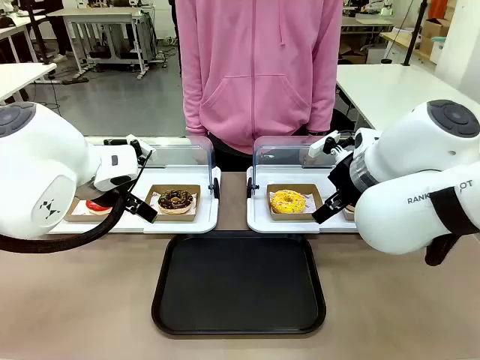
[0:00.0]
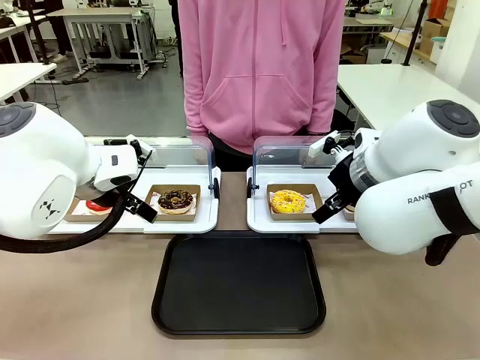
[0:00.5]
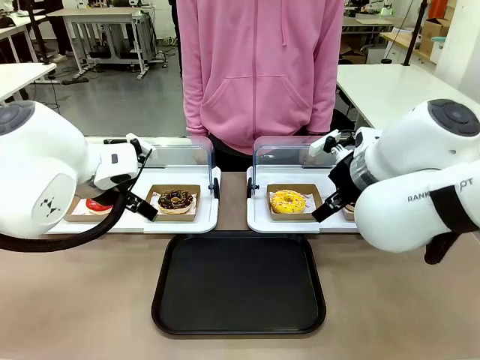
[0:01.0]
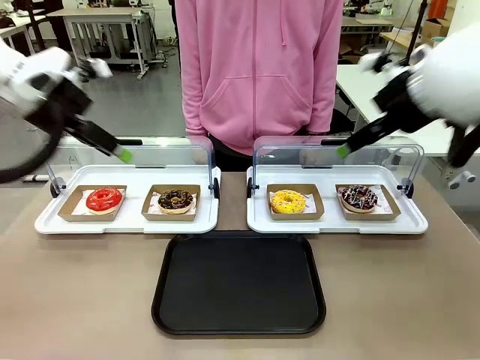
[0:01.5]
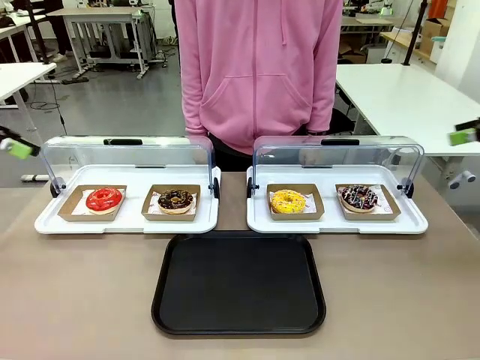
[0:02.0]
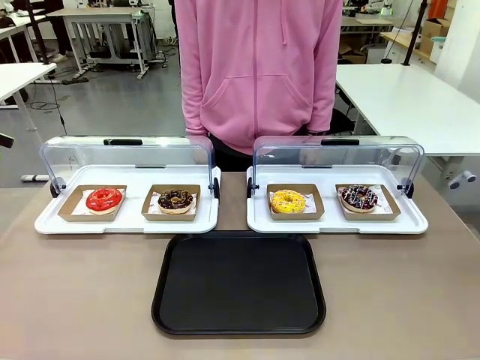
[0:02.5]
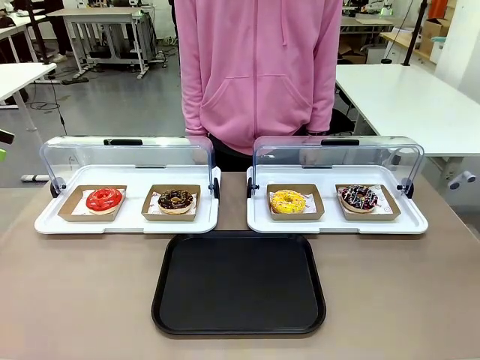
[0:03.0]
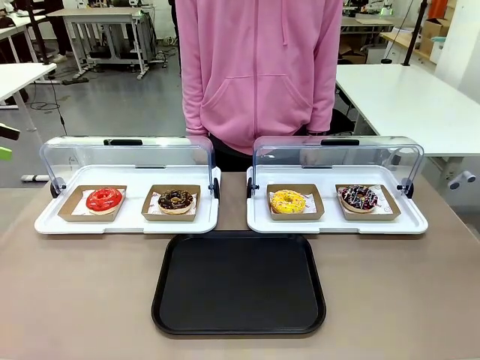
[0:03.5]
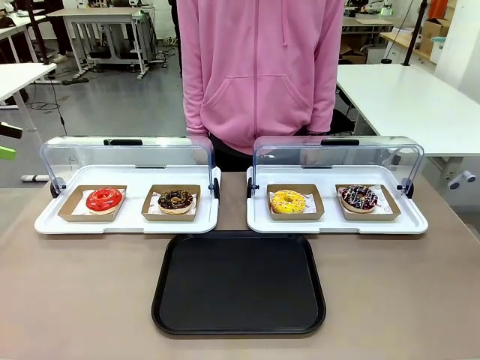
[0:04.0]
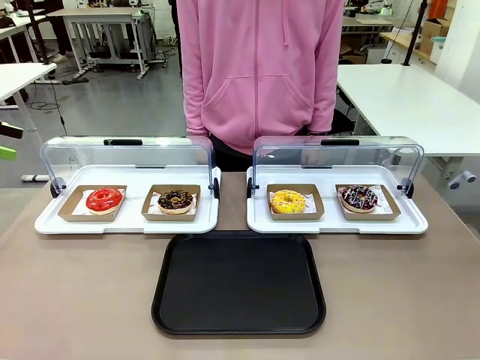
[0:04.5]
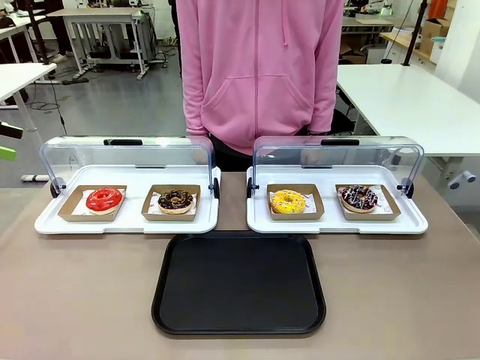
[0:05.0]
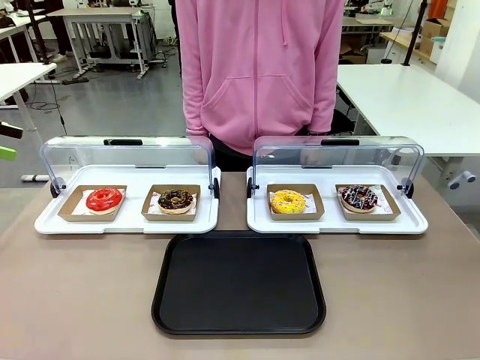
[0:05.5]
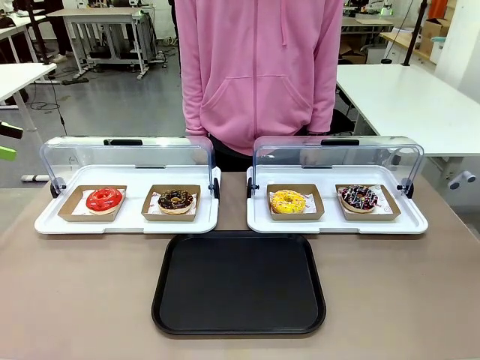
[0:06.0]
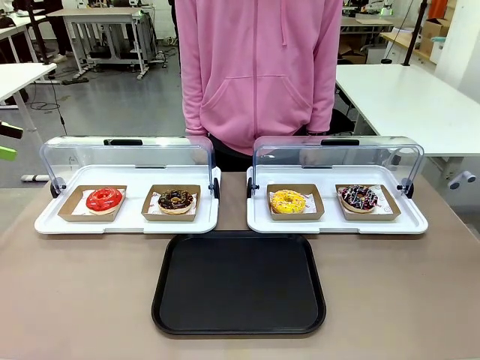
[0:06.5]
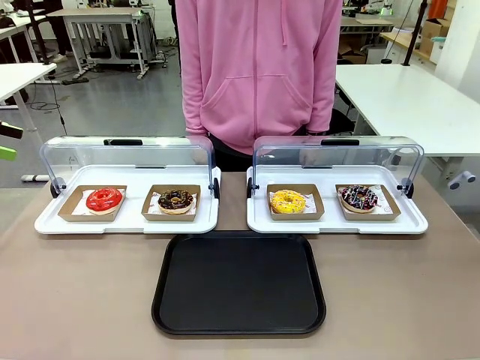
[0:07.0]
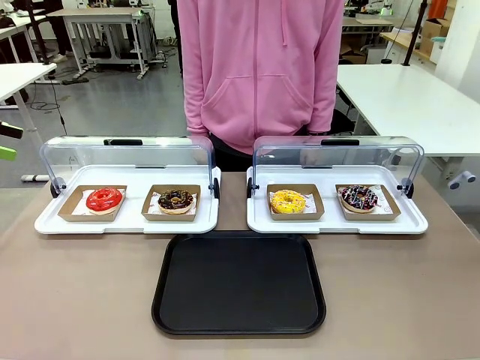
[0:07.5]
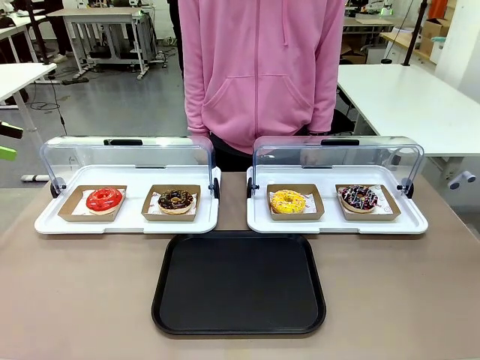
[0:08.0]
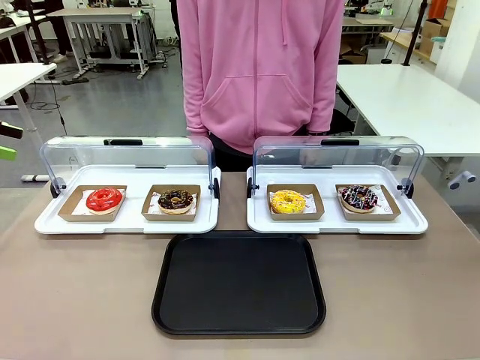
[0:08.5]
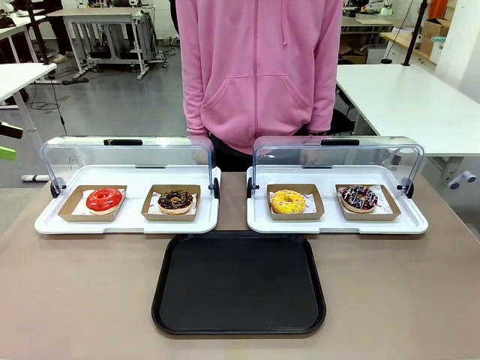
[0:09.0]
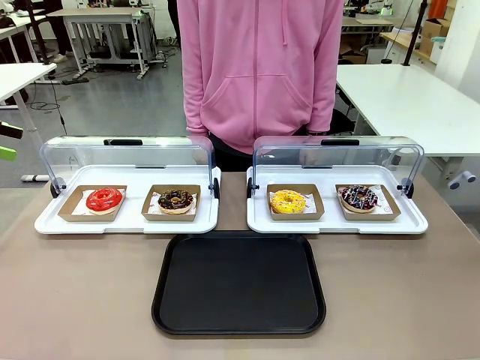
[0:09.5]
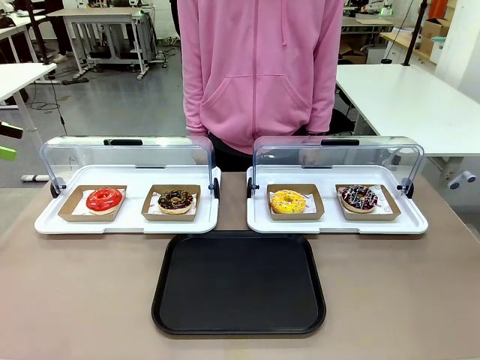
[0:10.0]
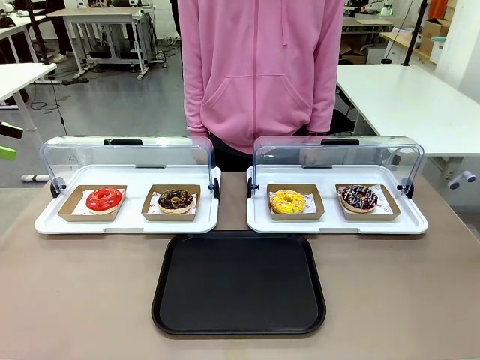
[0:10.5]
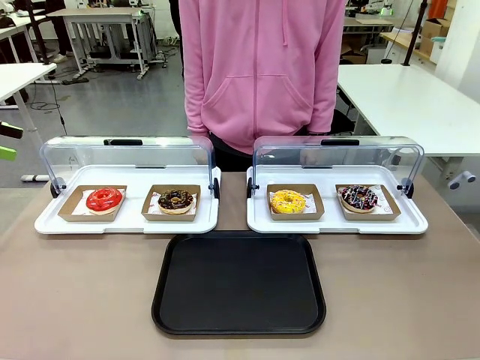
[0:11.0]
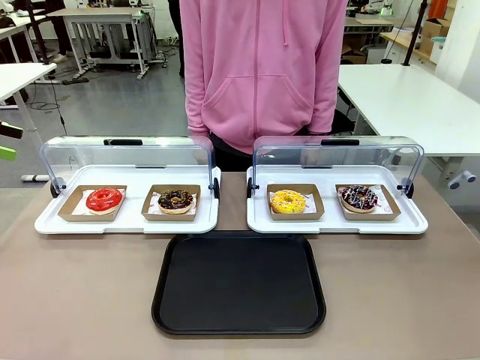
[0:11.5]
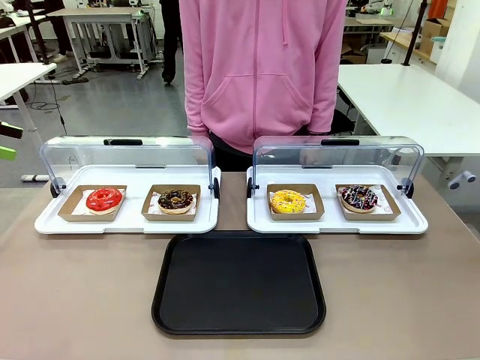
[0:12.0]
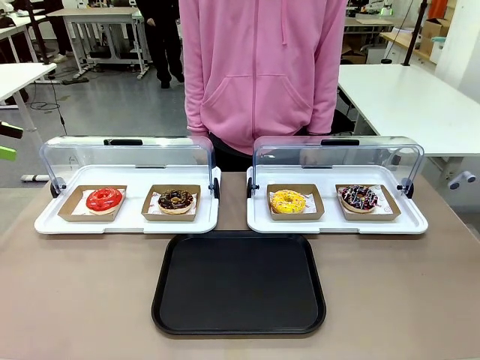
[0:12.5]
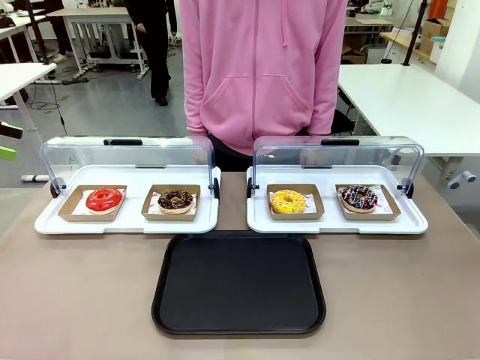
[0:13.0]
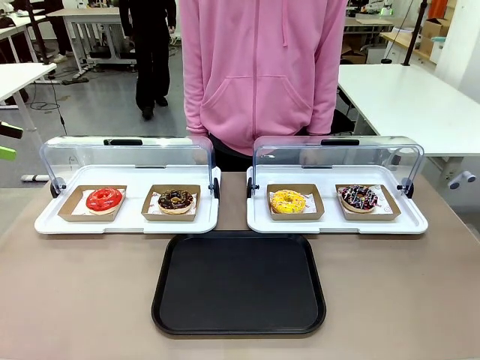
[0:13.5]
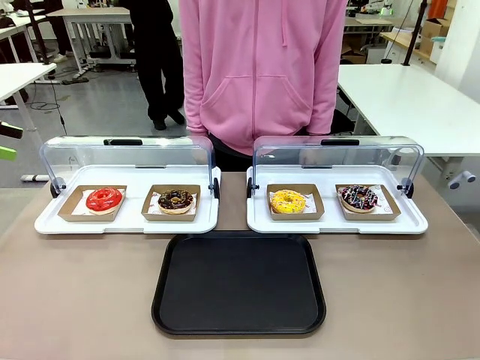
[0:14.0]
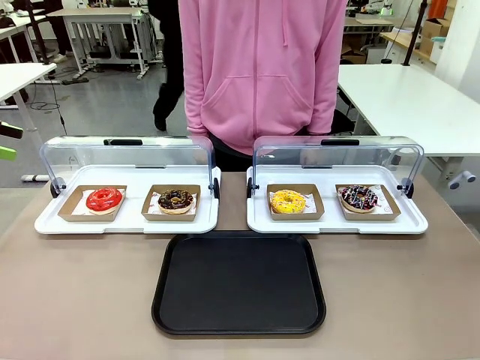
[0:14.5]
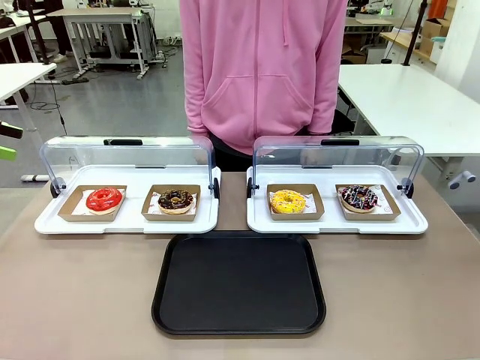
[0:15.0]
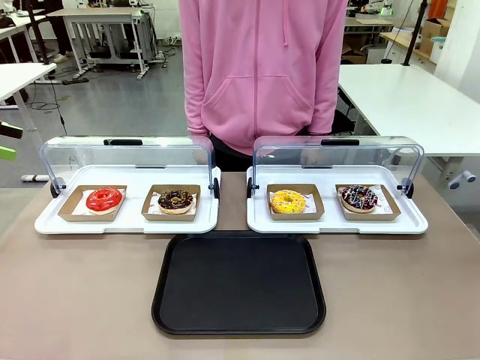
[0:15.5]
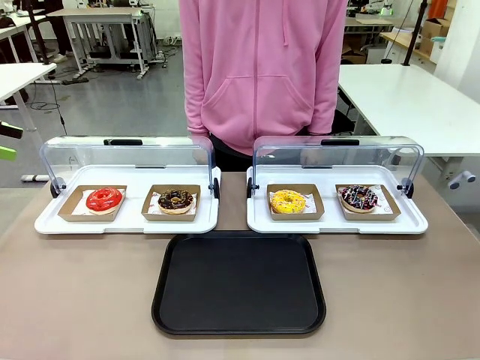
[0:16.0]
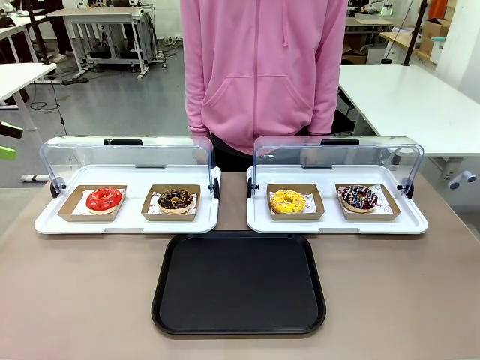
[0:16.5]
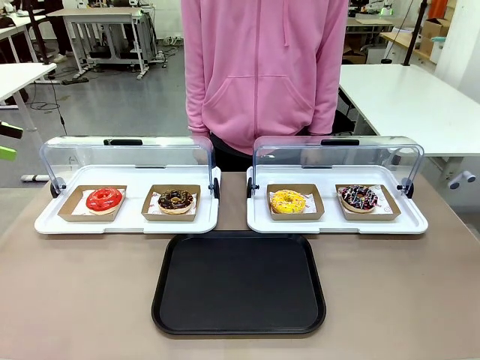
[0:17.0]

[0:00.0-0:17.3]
Task: Move the fourth donut from the left to the tray.
Robot: Pick up the Paper togo box containing the Donut indicated by the person and place it on the Handle tray.

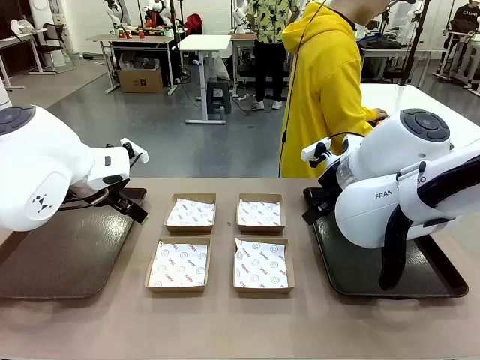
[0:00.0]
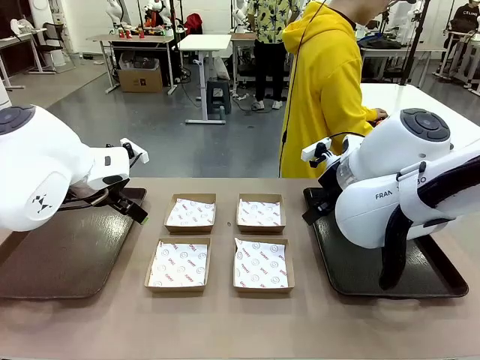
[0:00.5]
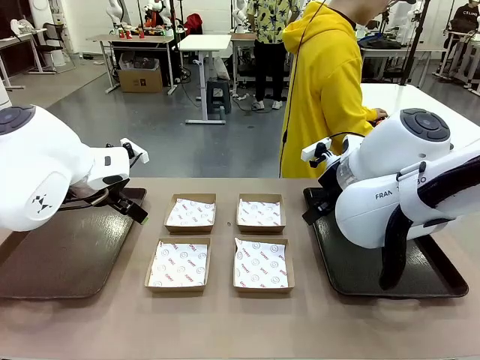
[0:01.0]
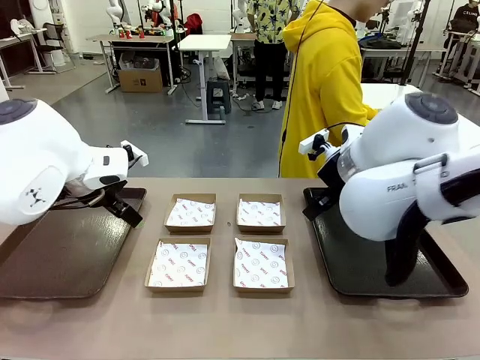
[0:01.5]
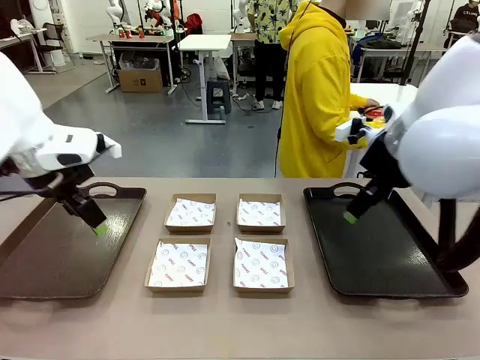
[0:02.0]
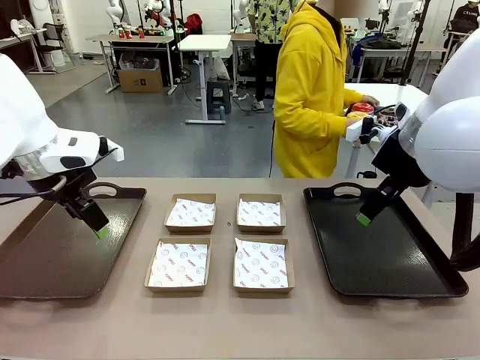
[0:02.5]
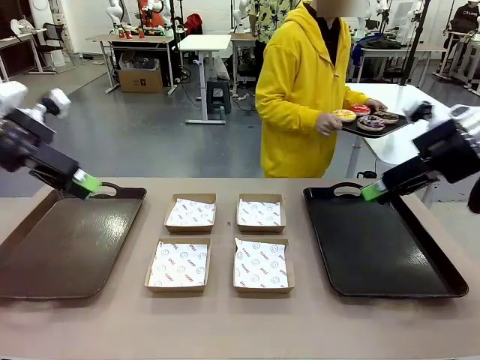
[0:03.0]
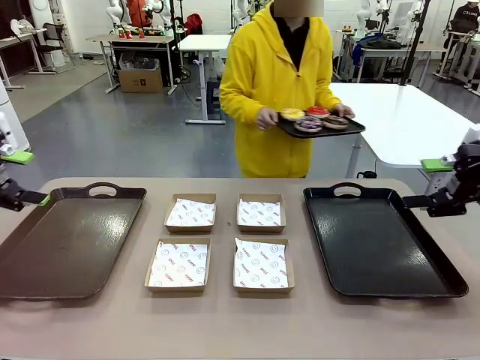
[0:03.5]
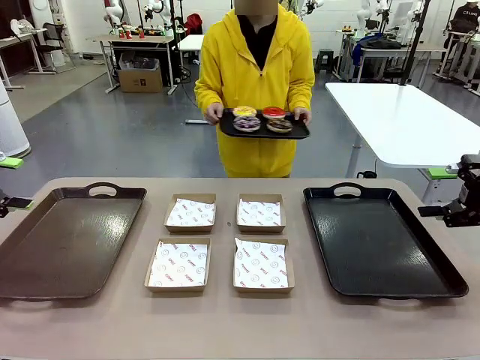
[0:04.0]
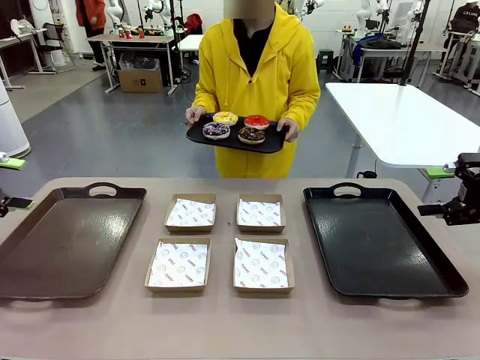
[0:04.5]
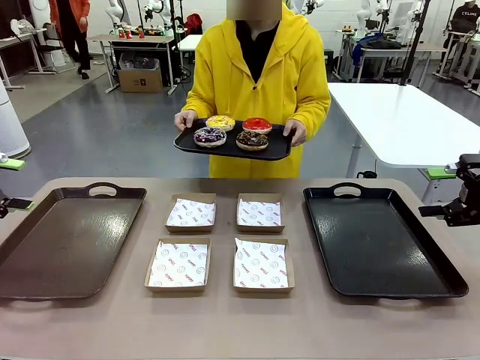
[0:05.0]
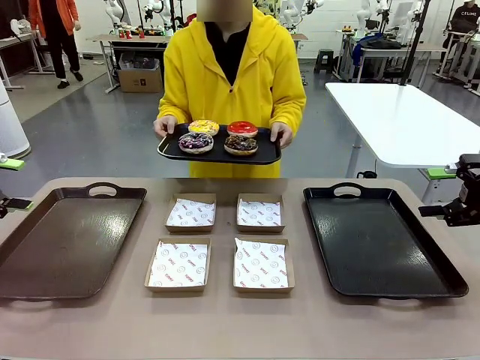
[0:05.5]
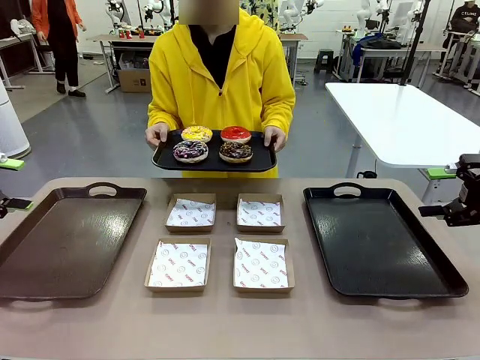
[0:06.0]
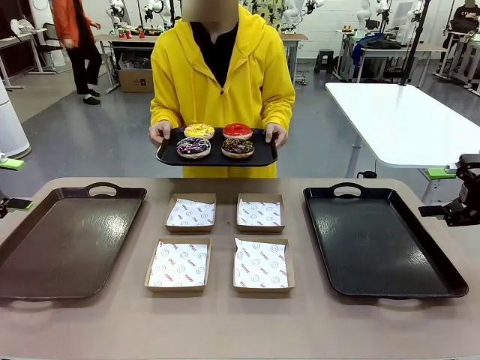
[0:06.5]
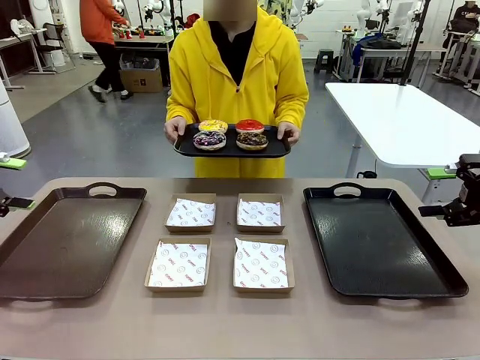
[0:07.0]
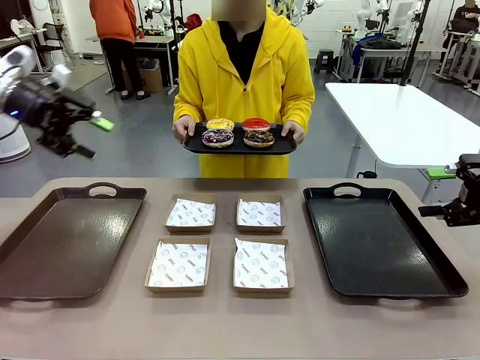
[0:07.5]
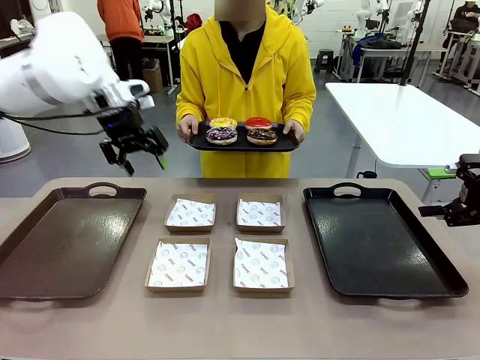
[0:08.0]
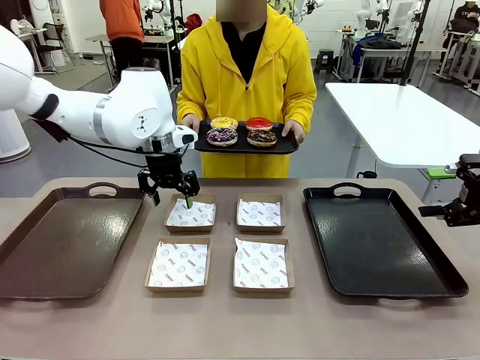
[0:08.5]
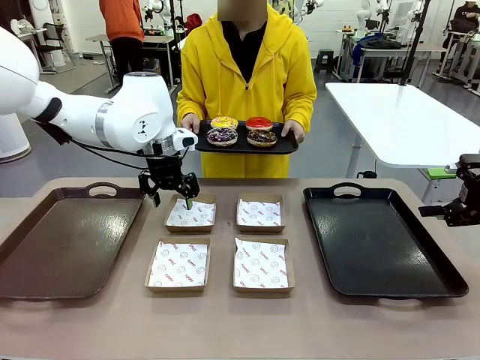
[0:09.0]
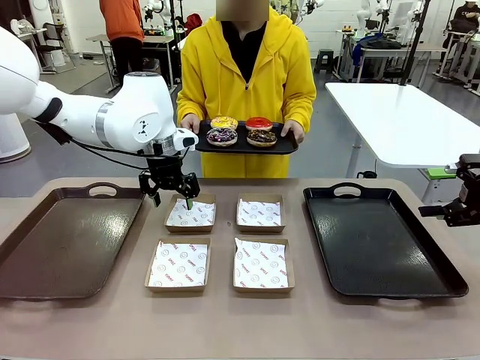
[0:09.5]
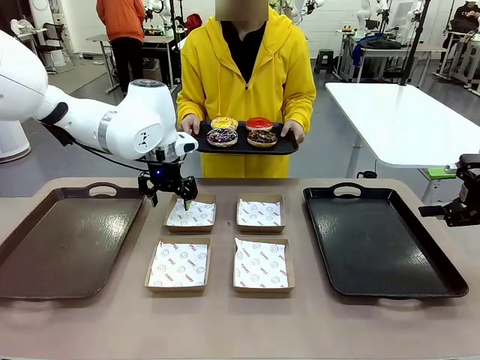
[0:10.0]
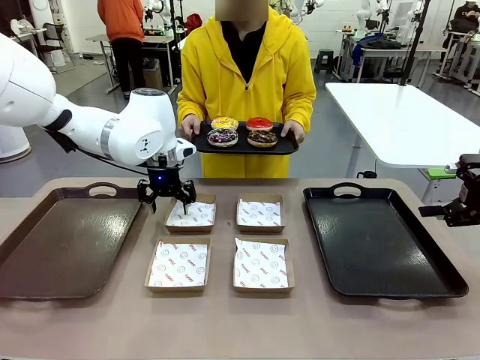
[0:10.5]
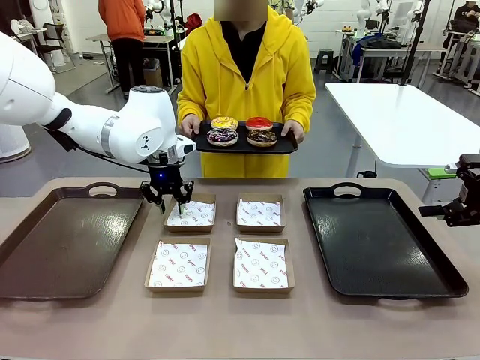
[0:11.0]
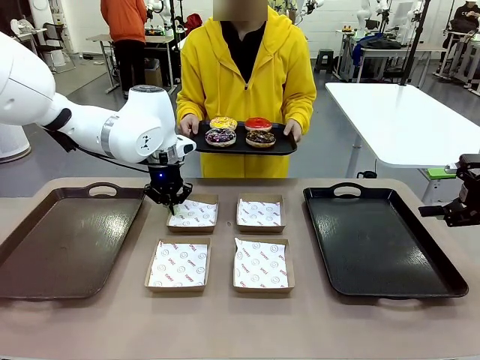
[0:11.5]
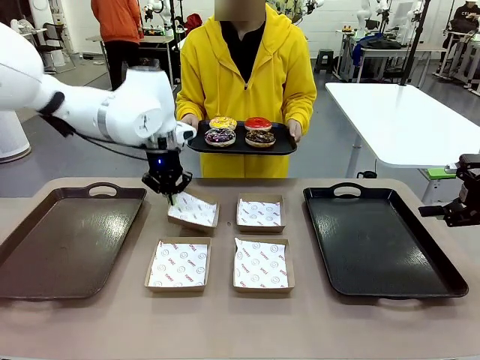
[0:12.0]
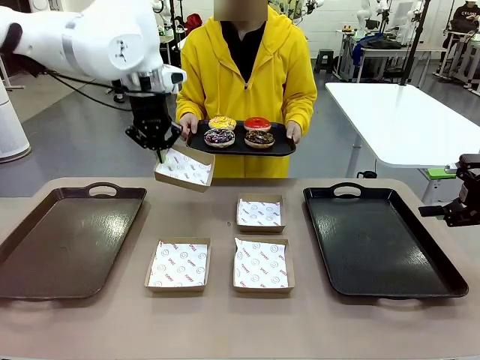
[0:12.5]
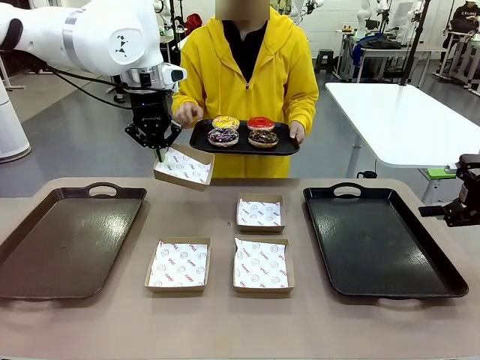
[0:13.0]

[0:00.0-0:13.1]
Task: Individually package the donuts and arrange them on the tray.
Robot: Pick up one Paper togo box.
Person: Stand in front of the robot table holding the tray containing the donuts.
